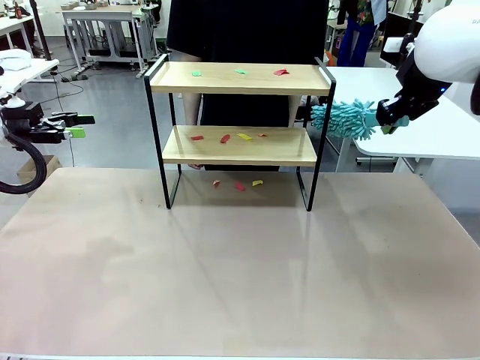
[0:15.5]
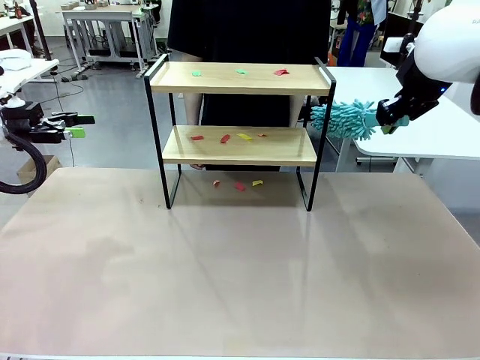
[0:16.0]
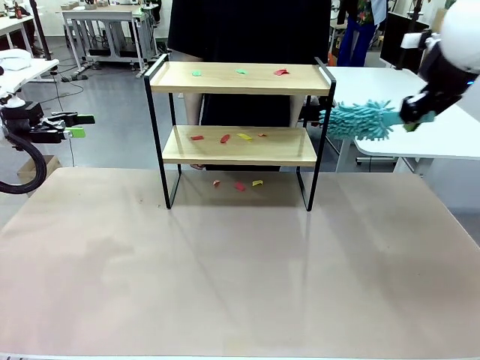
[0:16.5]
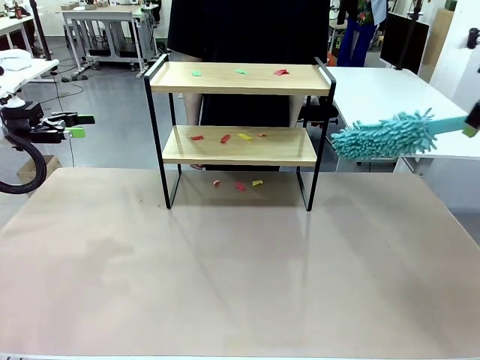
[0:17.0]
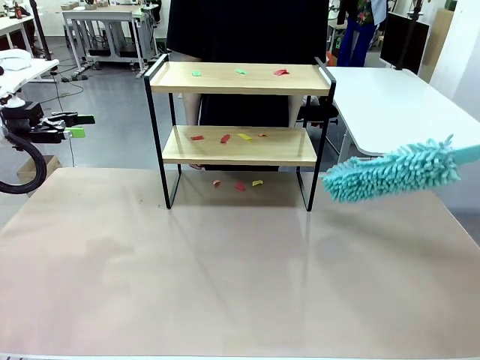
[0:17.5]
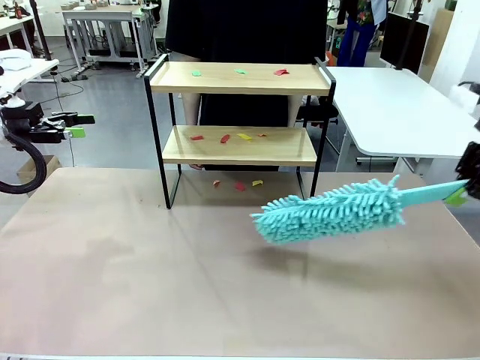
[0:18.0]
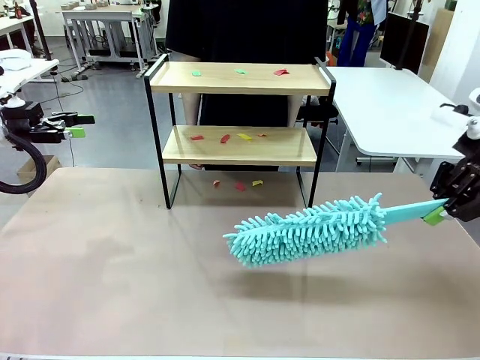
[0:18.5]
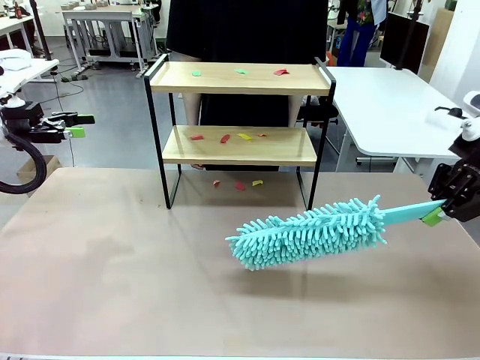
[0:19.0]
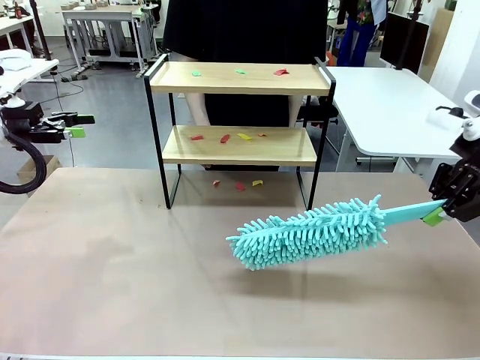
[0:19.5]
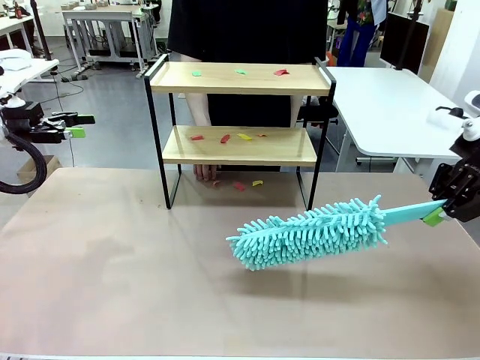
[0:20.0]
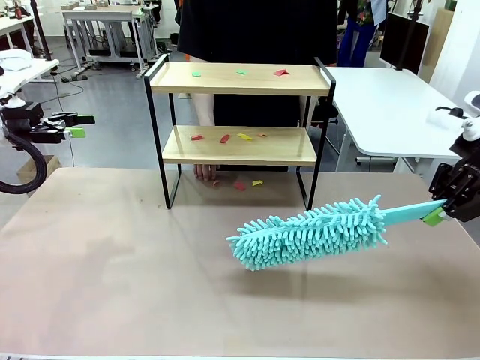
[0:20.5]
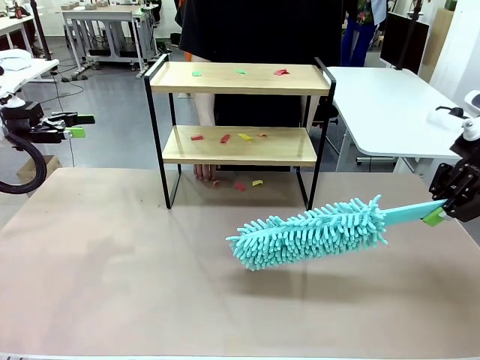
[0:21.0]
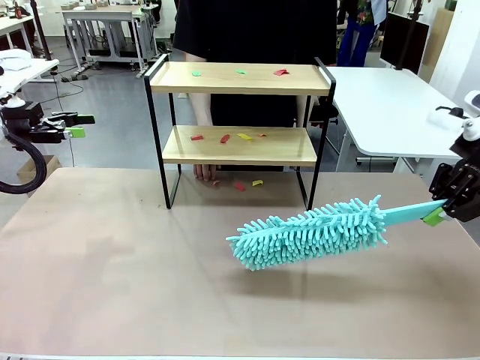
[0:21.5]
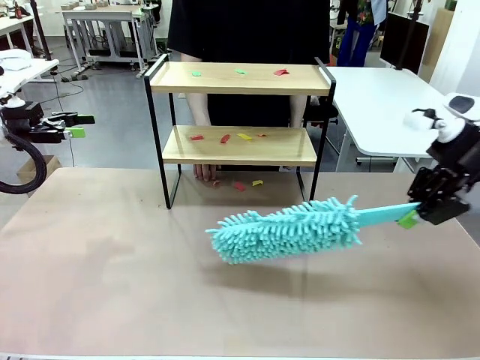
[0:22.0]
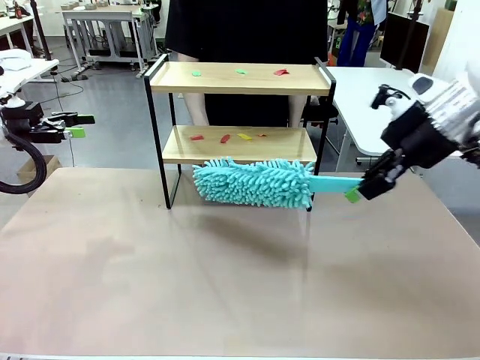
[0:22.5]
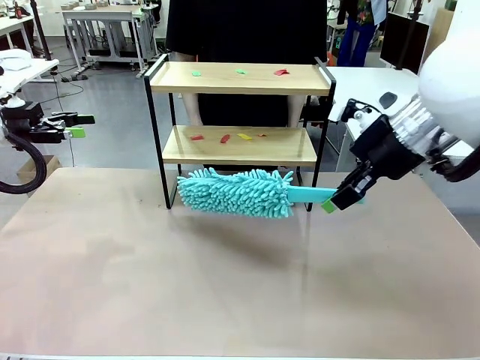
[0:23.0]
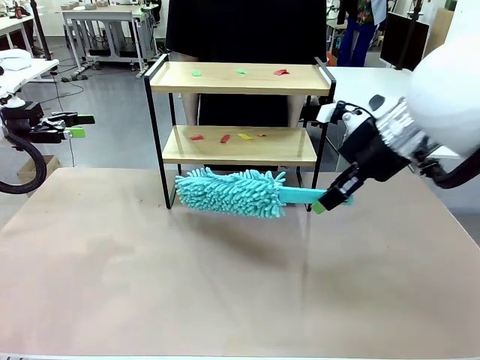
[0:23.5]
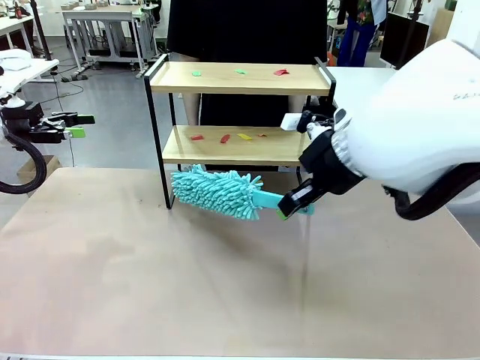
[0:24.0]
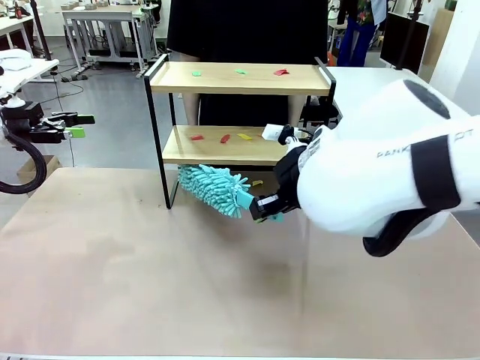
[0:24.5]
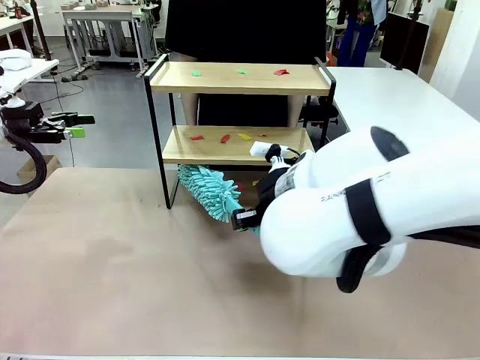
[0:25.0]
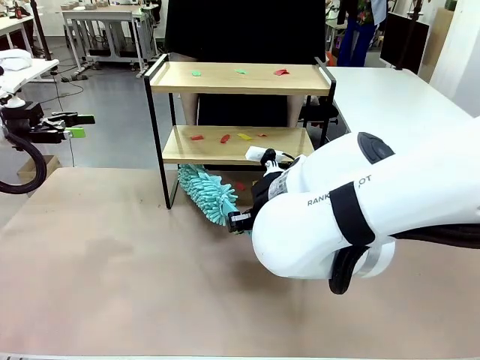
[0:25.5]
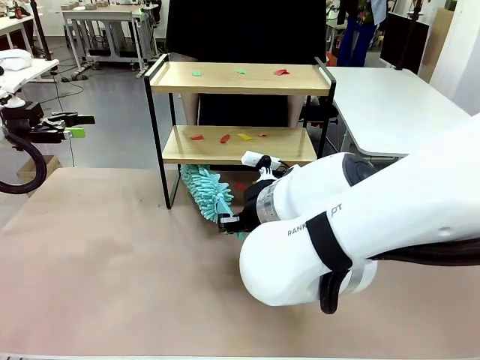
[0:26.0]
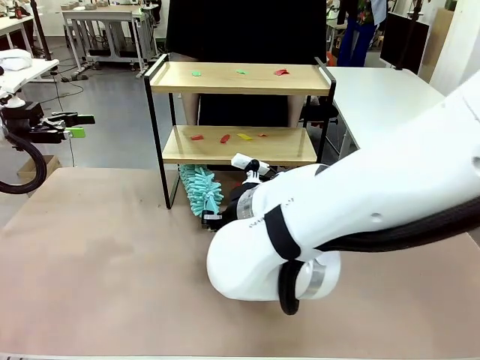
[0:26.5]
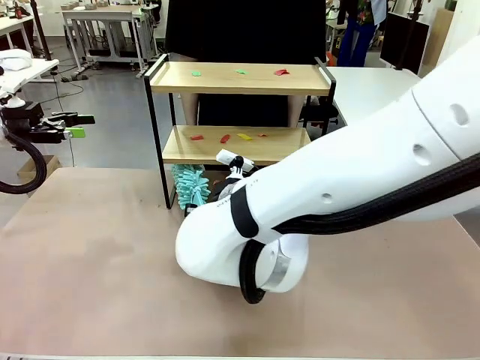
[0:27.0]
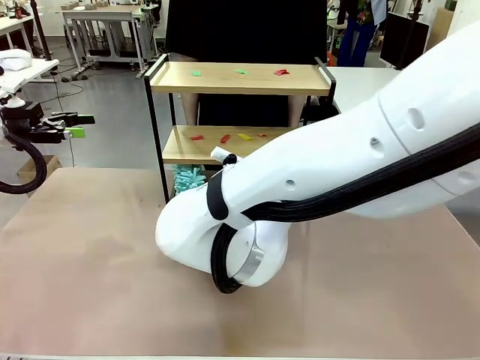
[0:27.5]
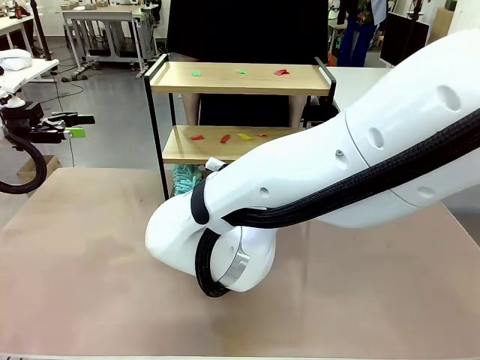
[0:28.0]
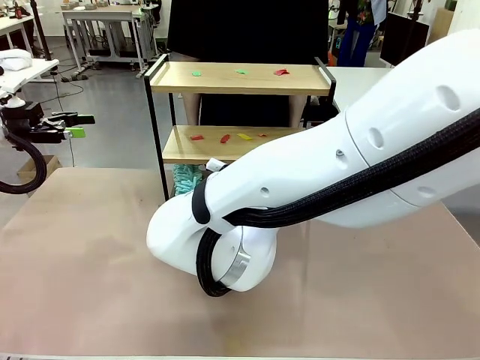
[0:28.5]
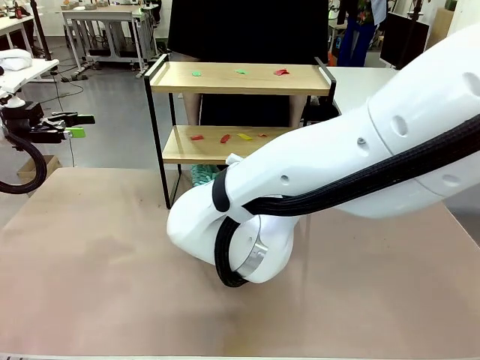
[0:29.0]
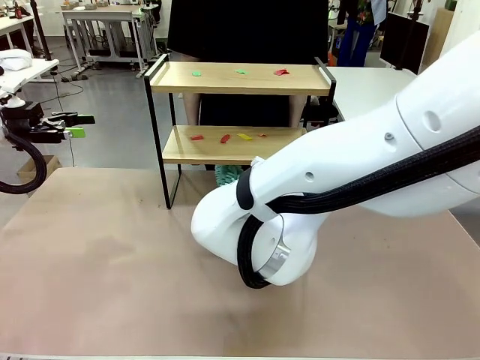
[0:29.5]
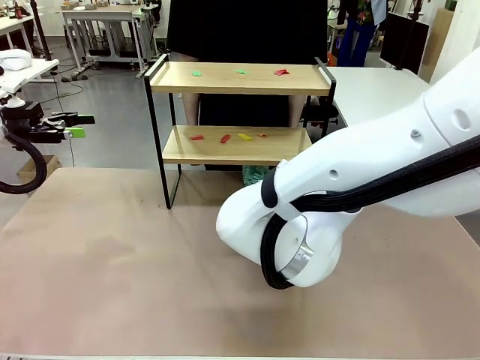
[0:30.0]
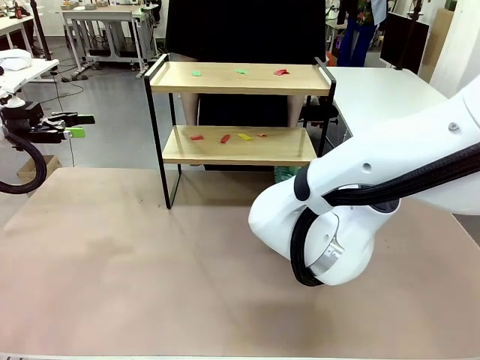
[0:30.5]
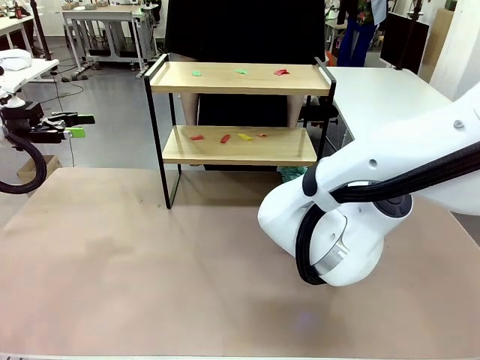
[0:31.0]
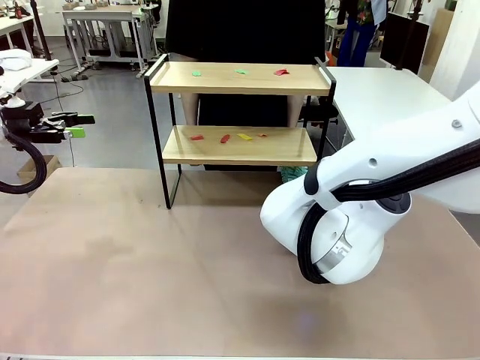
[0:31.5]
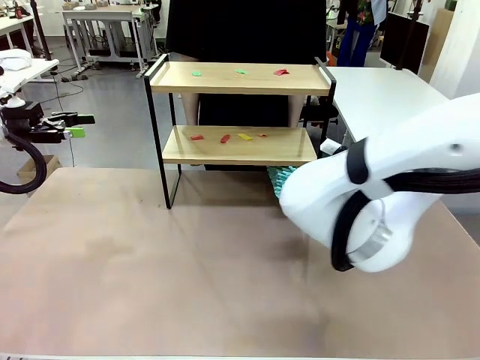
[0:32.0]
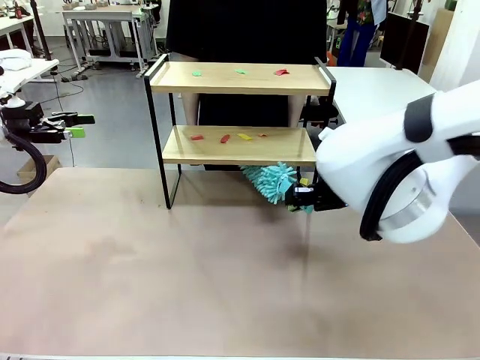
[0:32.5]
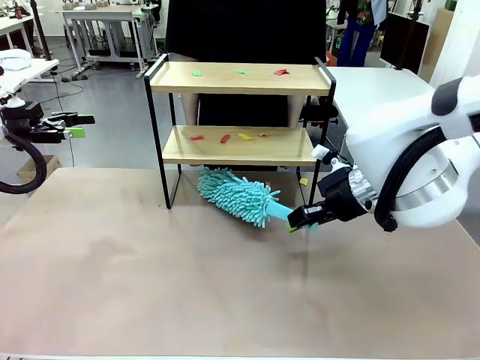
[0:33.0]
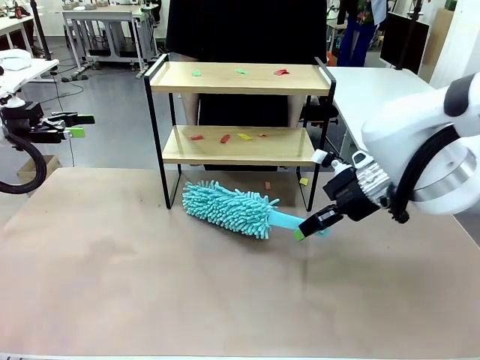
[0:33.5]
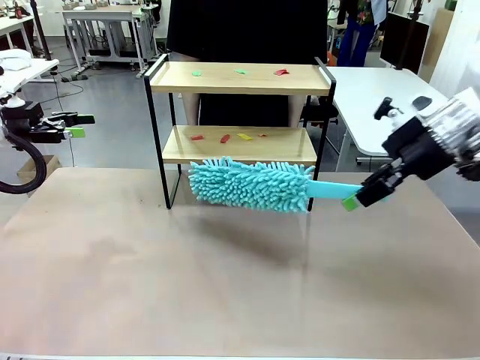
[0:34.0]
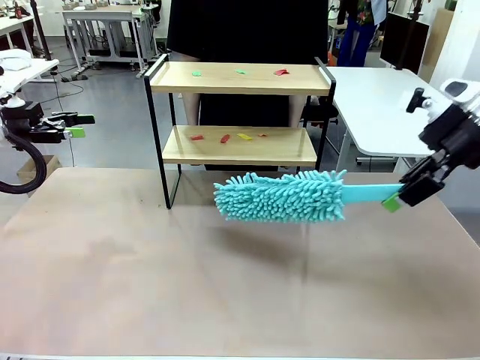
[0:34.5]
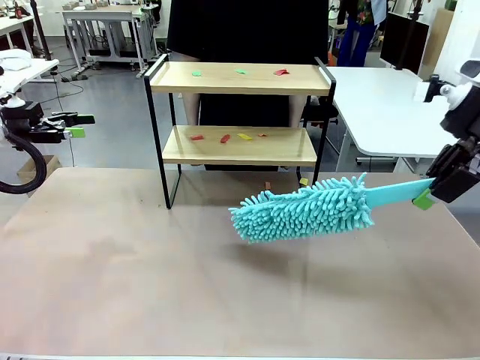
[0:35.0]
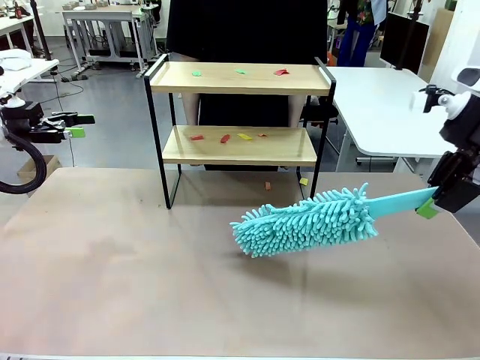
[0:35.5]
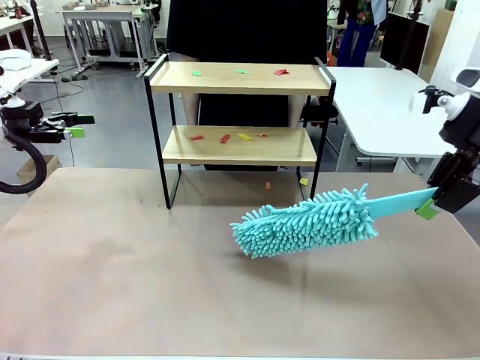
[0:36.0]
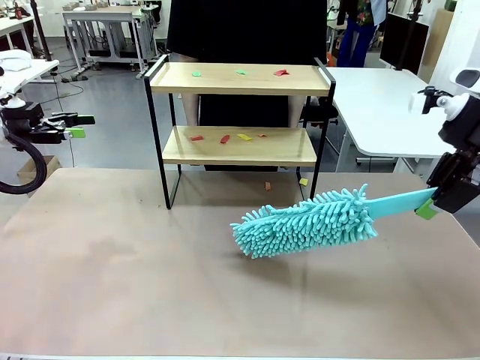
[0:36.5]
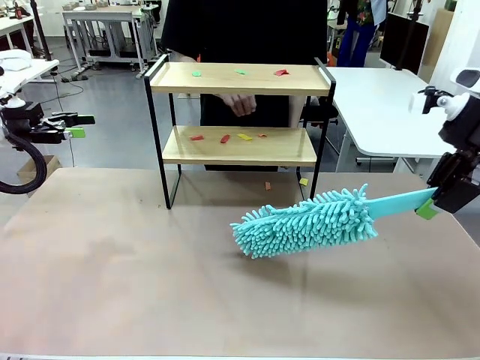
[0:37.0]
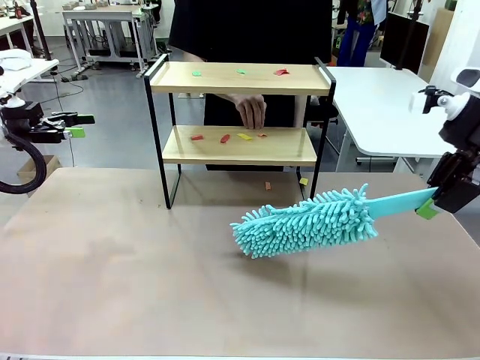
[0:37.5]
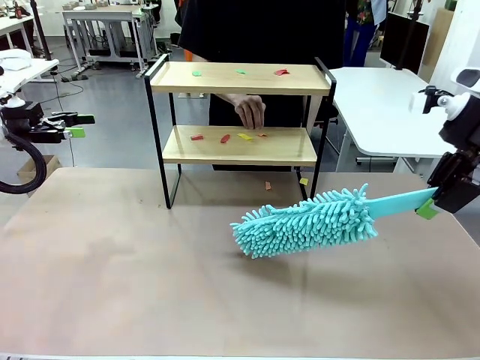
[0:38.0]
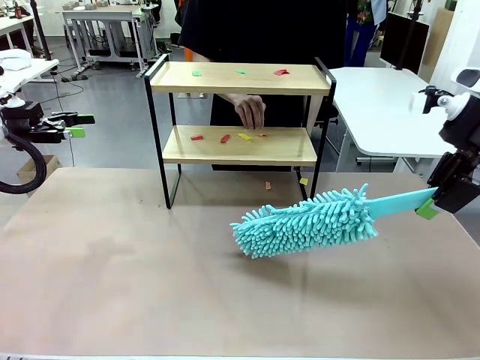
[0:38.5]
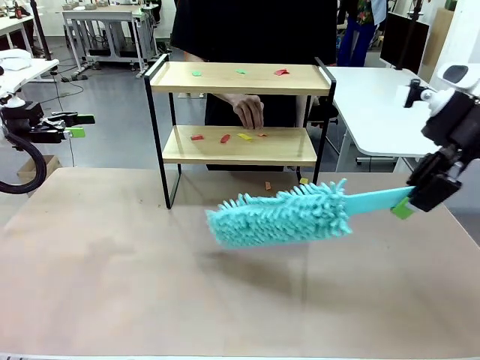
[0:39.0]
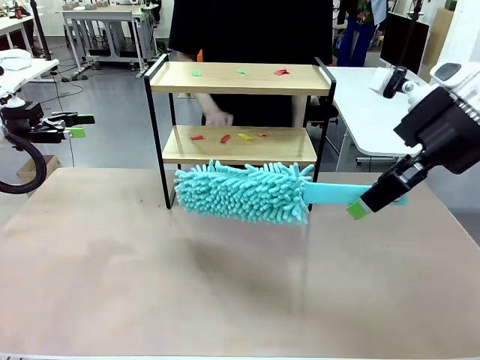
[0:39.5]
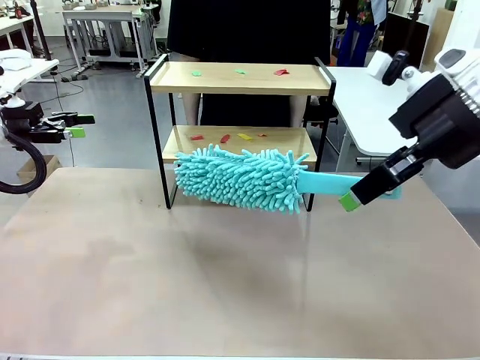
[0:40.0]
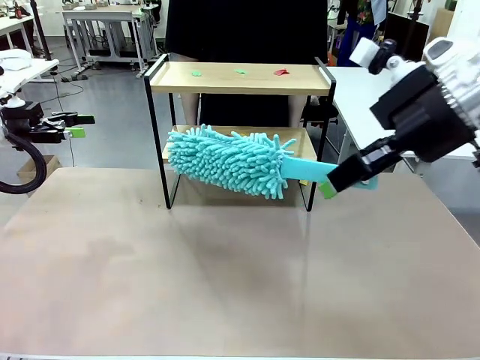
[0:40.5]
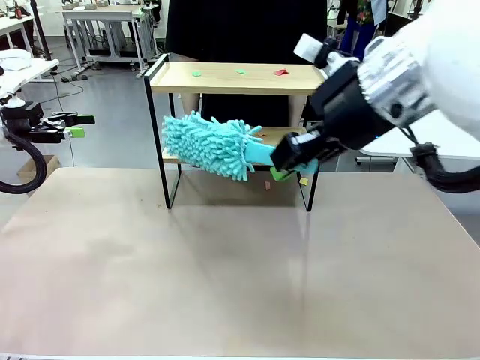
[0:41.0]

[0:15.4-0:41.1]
Task: Clean the shelf.
Robot: Clean the specific section of the Shelf indicated by the human with the Duster.
Person: Point a random section of the Shelf.
